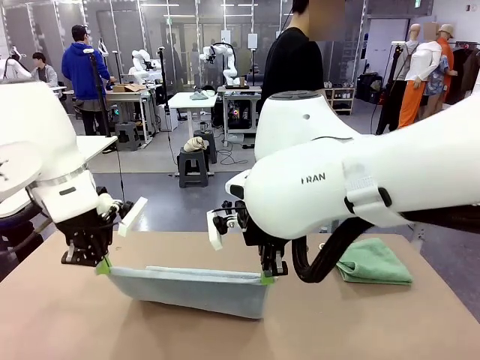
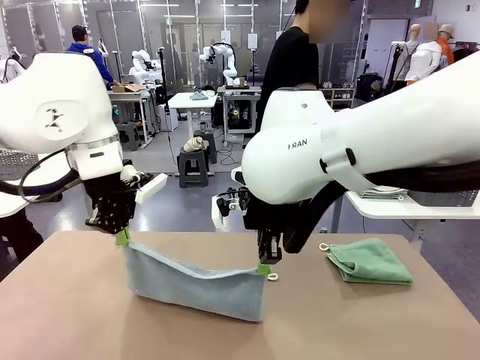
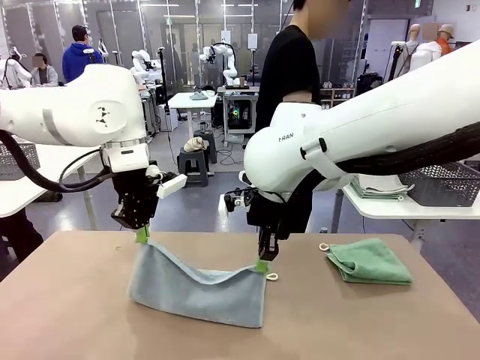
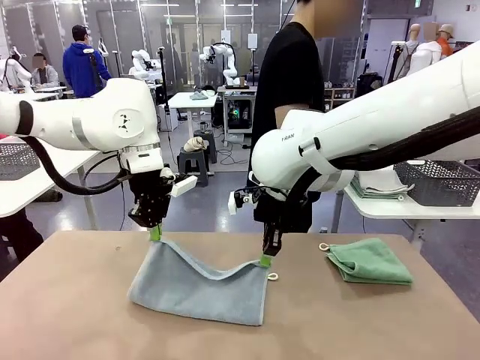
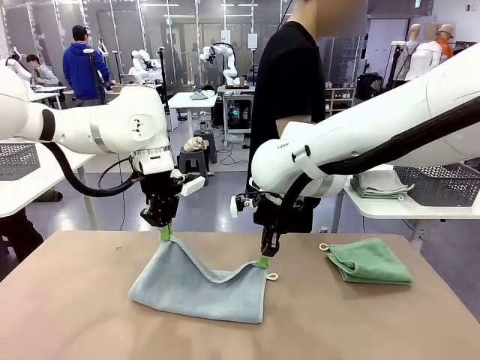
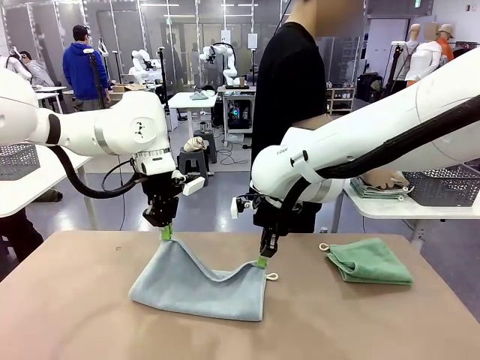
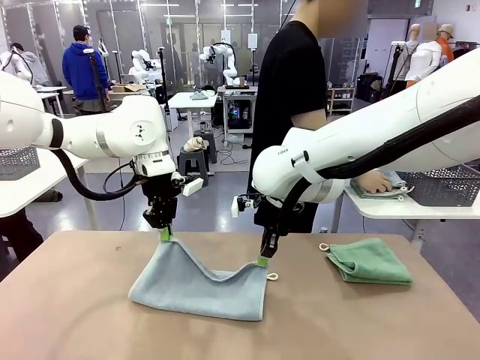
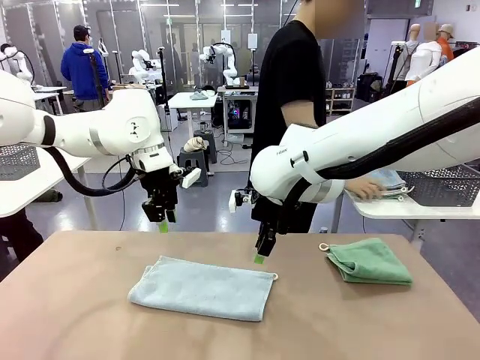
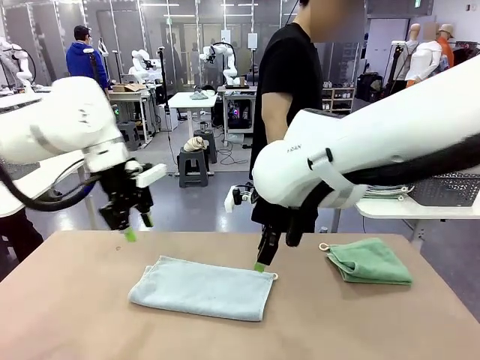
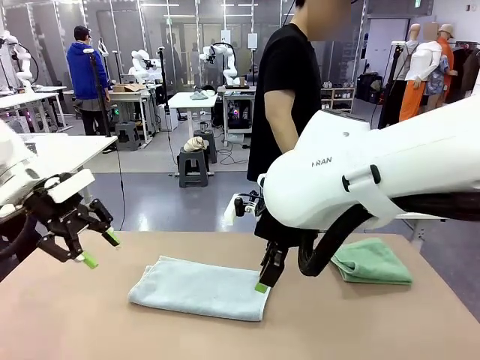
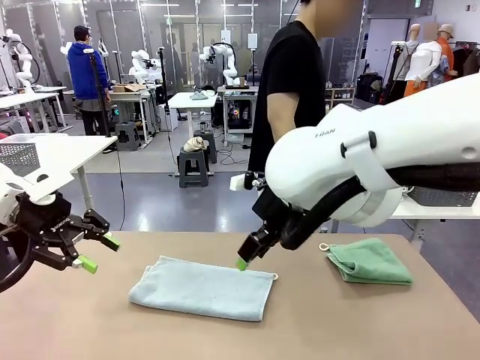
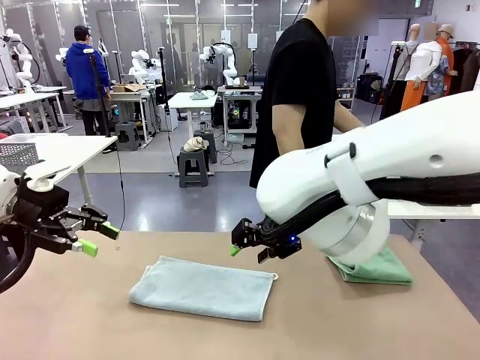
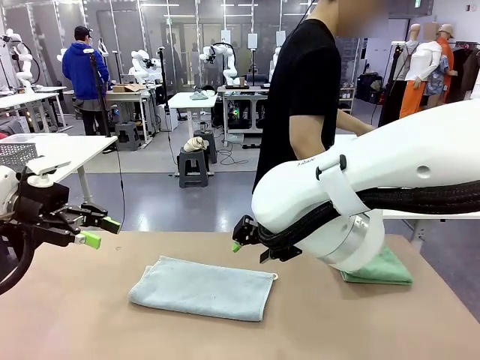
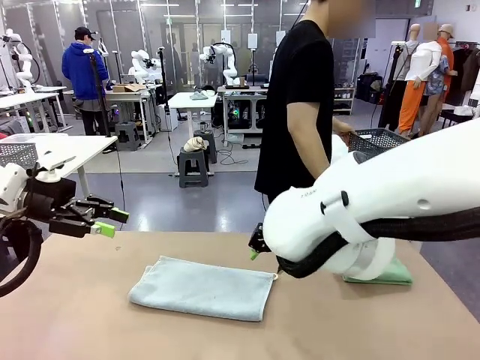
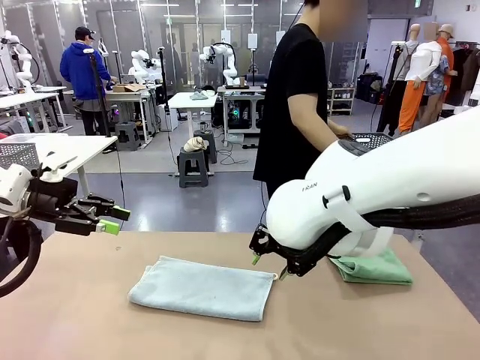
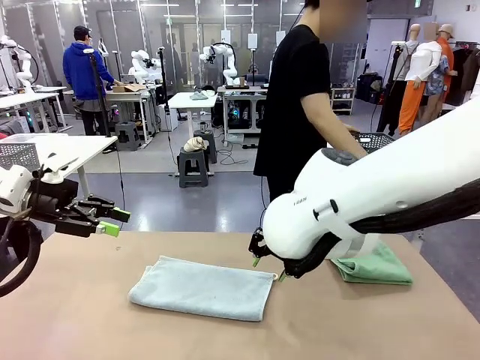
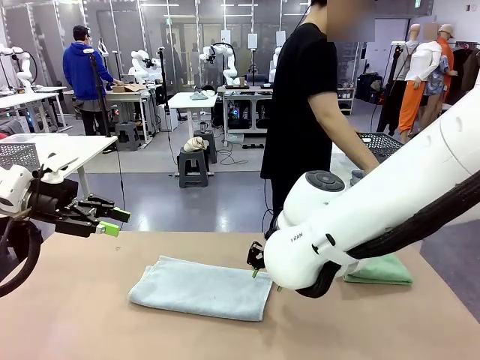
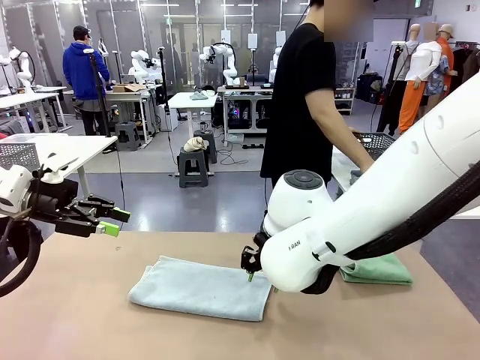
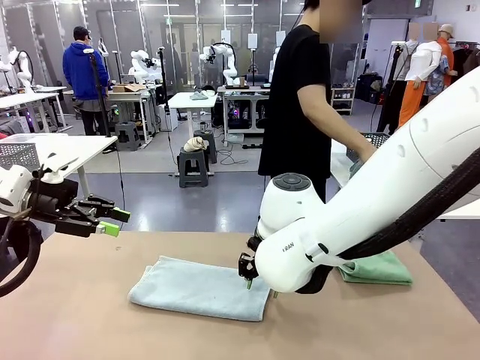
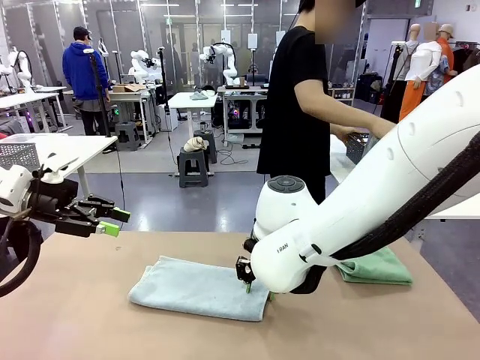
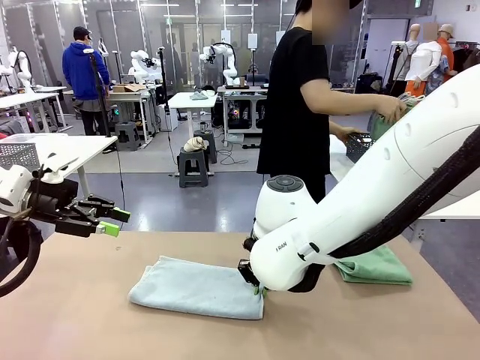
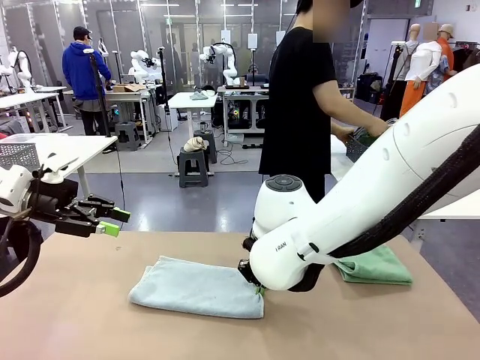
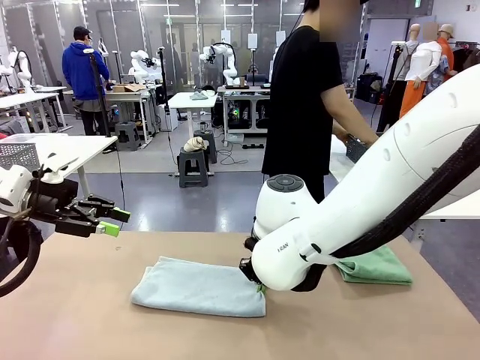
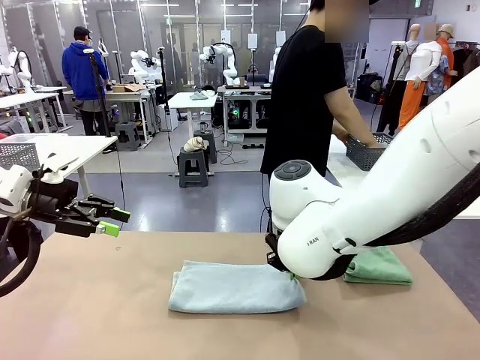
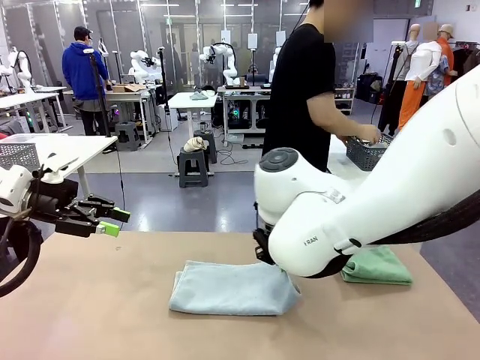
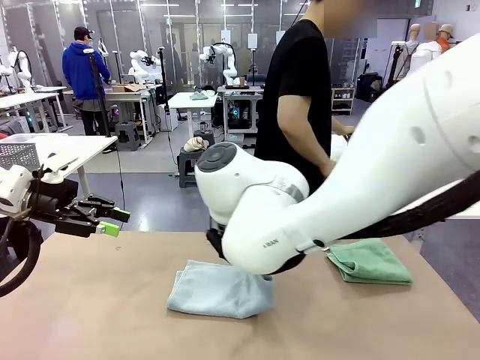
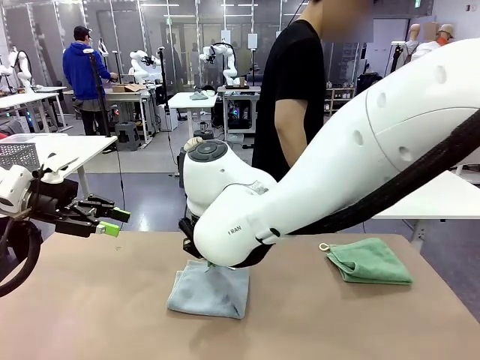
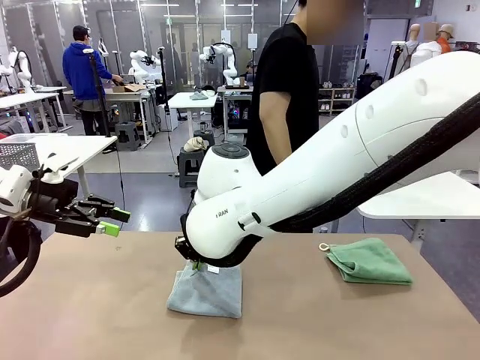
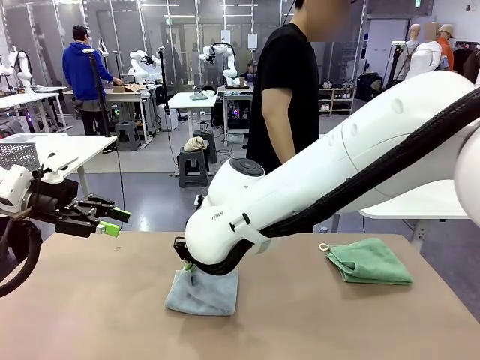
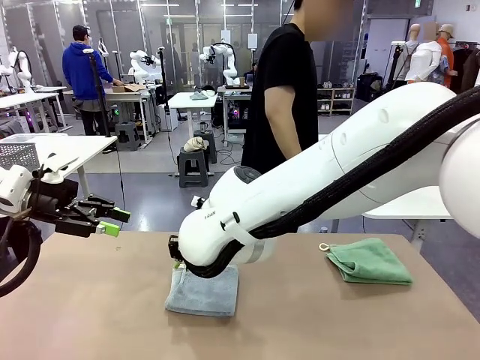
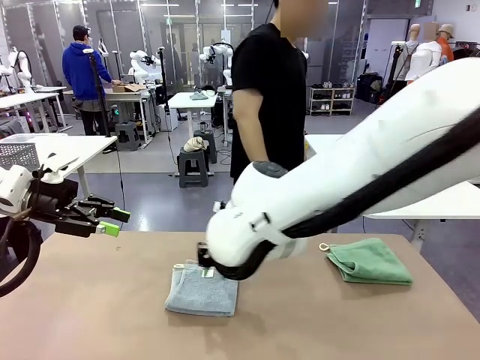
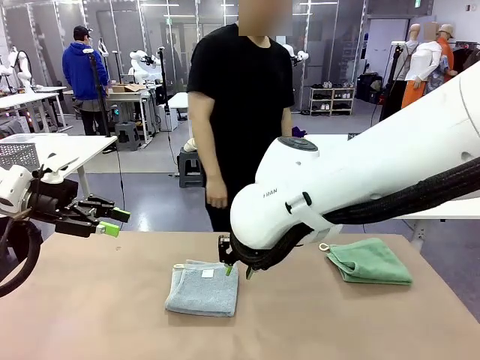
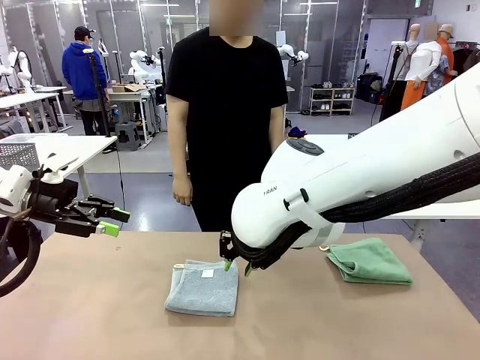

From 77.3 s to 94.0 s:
Task: Fold the towels and place them in the basket.
Robot: When a person lays out a Towel with hook on the table, fold it in half twice.
Person: Pick up the stack of towels from the right side of the human table, place it into the basket, and put the basket at the center of the table.

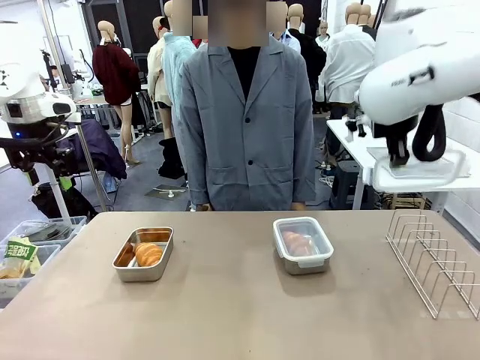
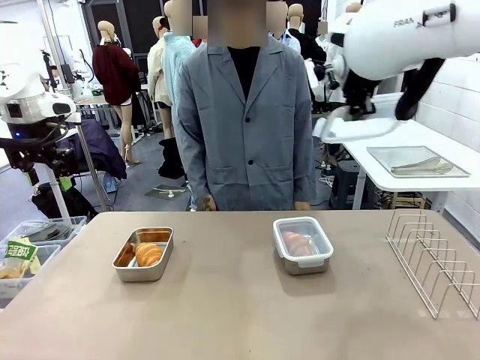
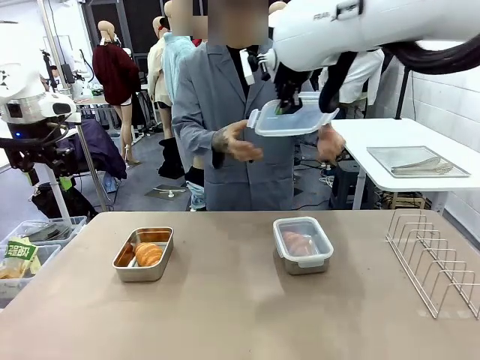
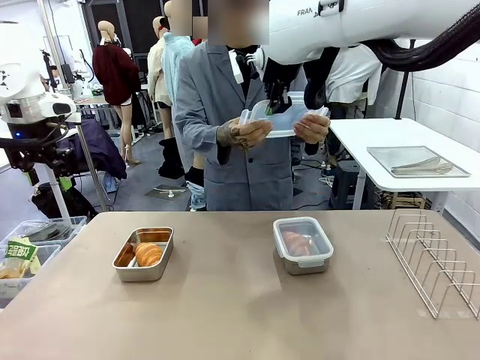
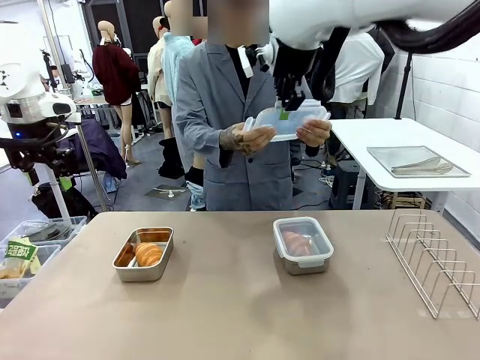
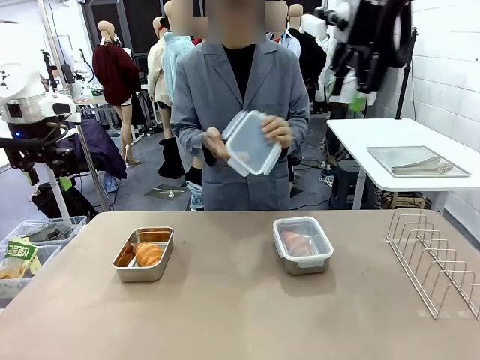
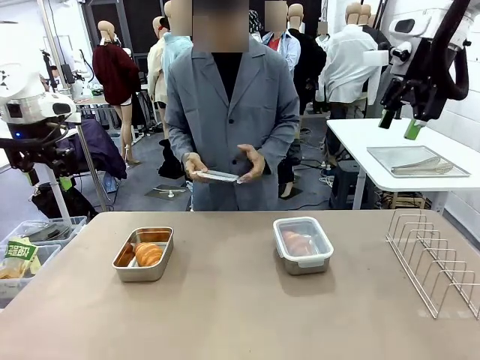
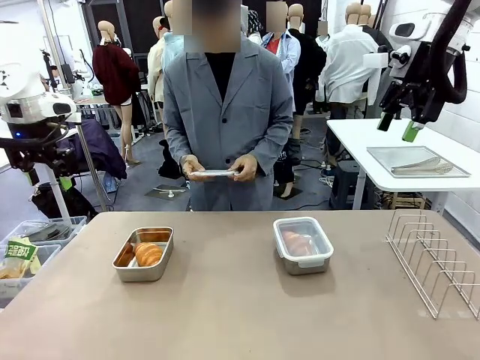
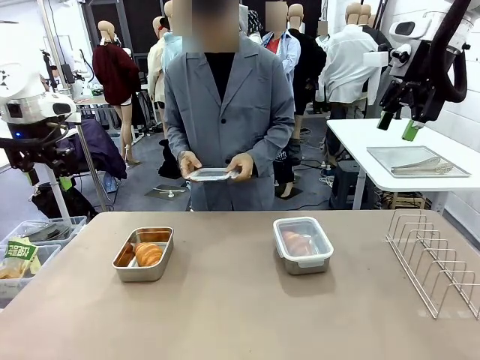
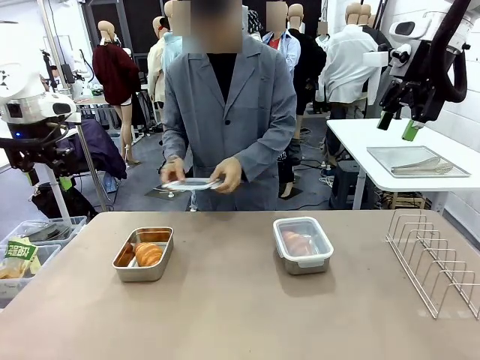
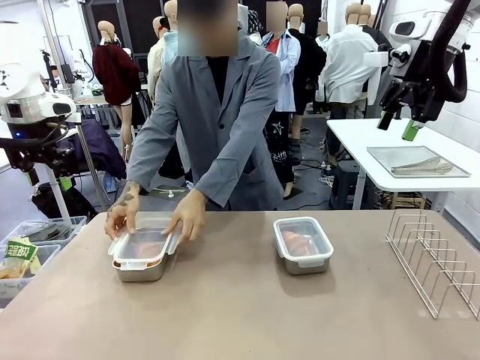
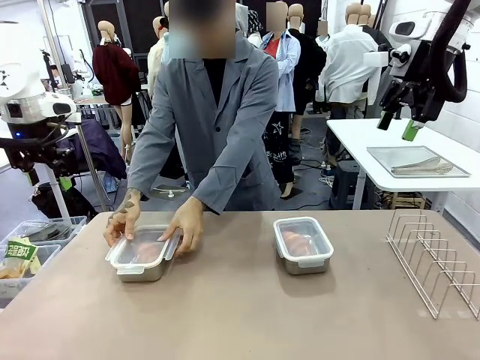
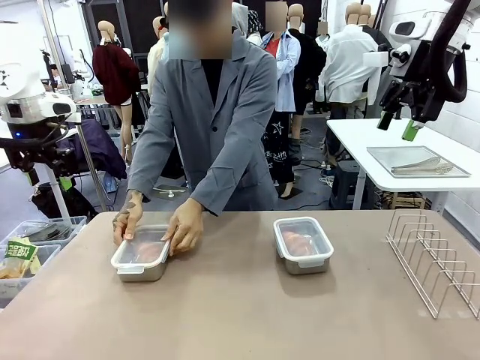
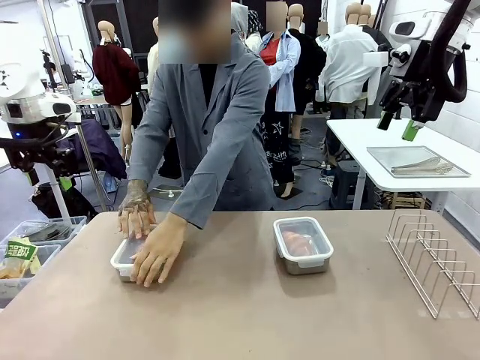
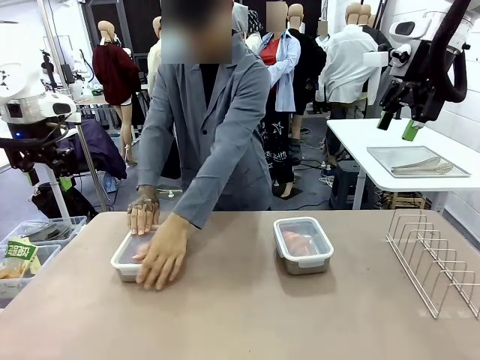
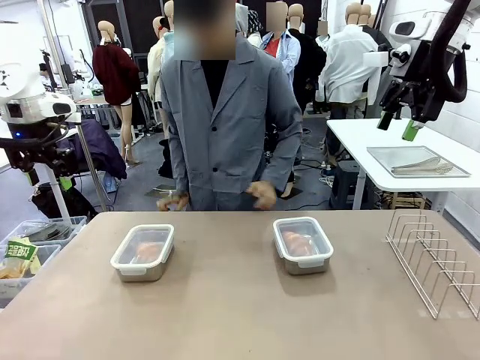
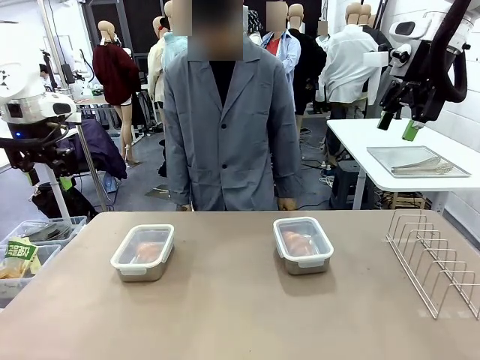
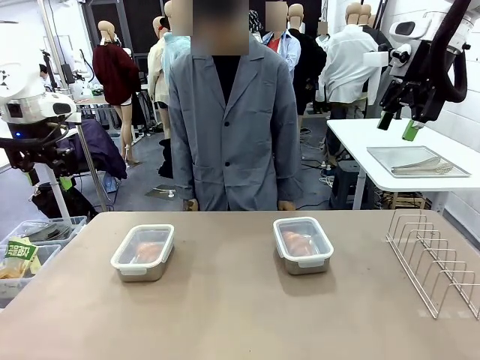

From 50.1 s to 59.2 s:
Task: Place the bread in airtight containers.
Robot: Release when the human grabs the Airtight Container lid.
Person: Grip Airtight Container lid that robot is handing. Close Airtight Container with a handed Airtight Container lid.
